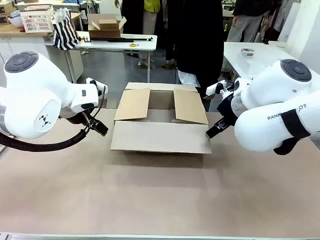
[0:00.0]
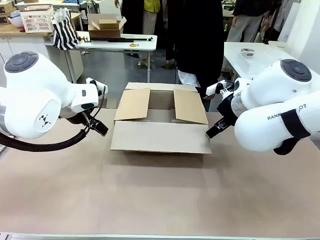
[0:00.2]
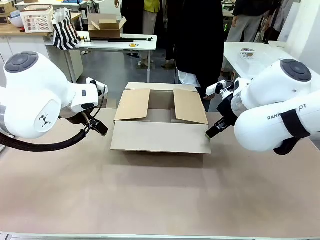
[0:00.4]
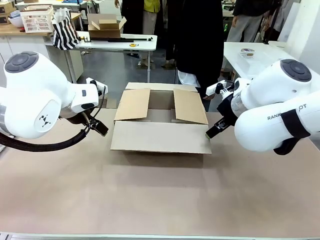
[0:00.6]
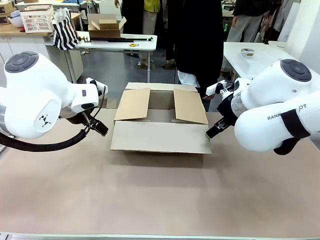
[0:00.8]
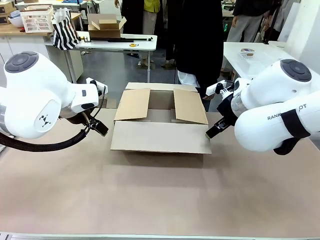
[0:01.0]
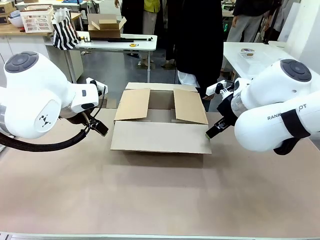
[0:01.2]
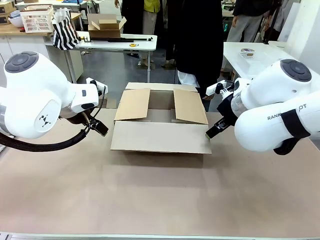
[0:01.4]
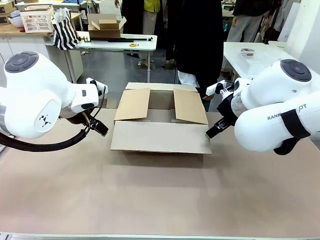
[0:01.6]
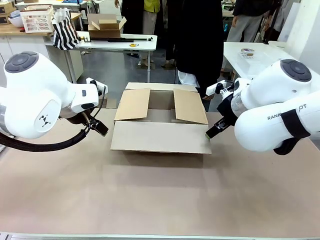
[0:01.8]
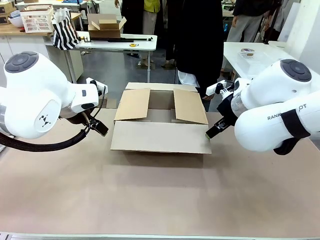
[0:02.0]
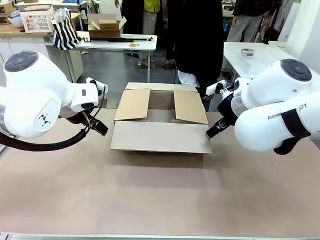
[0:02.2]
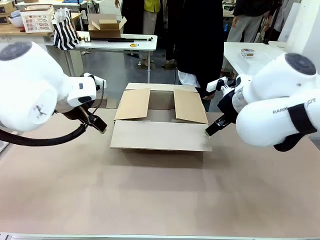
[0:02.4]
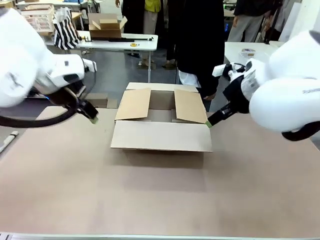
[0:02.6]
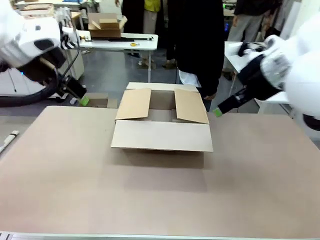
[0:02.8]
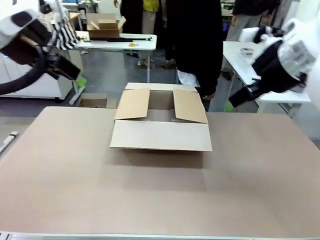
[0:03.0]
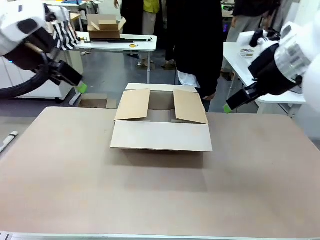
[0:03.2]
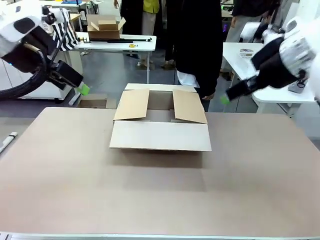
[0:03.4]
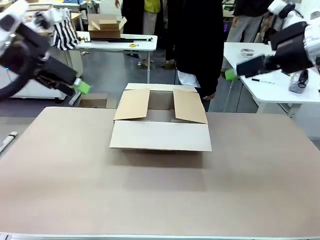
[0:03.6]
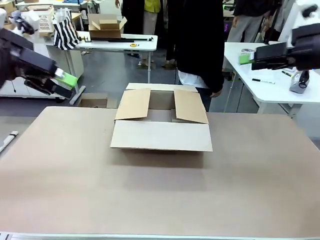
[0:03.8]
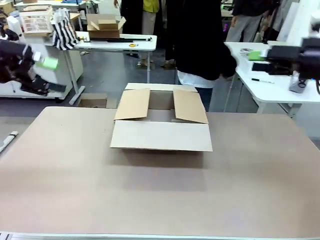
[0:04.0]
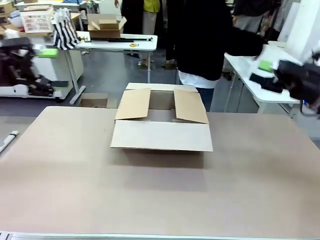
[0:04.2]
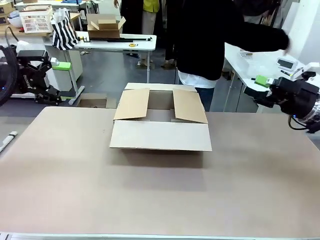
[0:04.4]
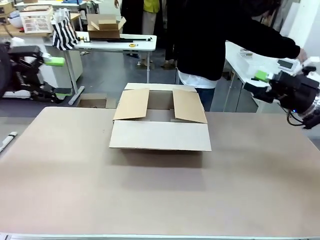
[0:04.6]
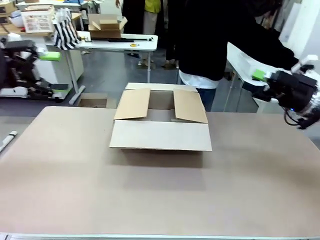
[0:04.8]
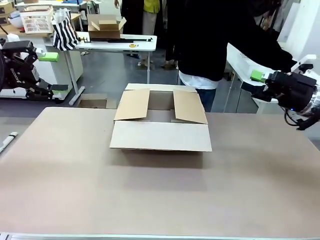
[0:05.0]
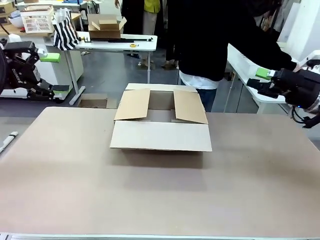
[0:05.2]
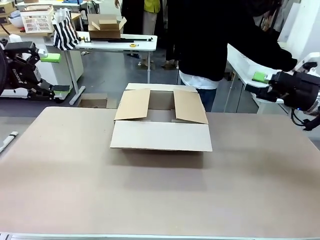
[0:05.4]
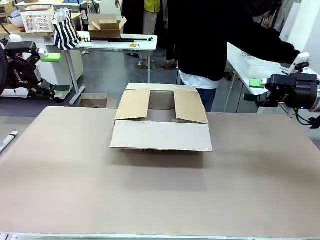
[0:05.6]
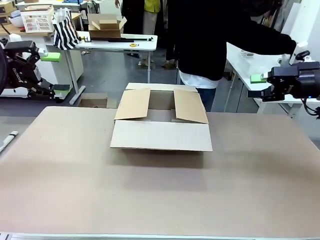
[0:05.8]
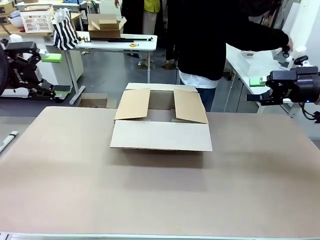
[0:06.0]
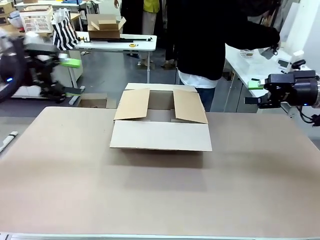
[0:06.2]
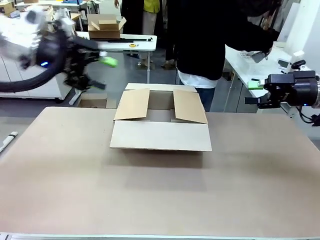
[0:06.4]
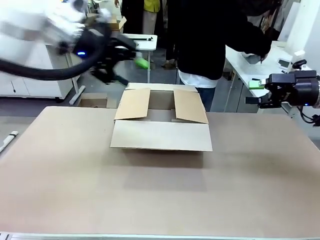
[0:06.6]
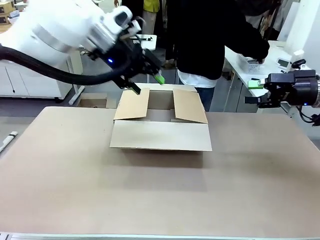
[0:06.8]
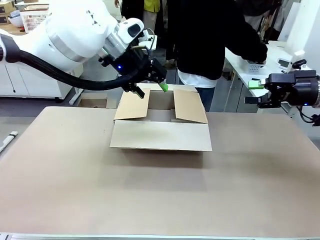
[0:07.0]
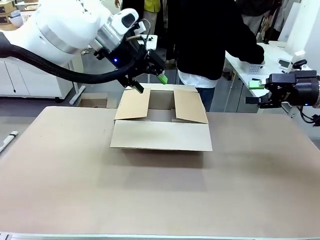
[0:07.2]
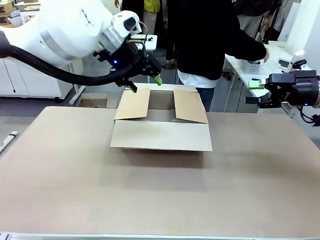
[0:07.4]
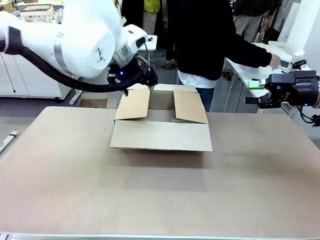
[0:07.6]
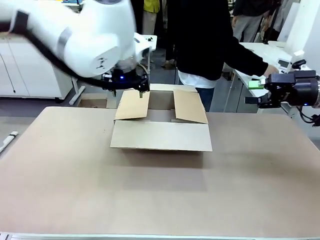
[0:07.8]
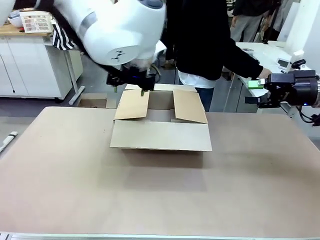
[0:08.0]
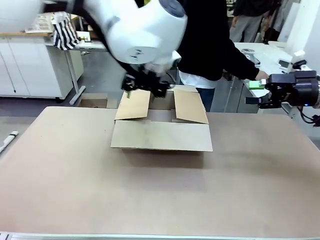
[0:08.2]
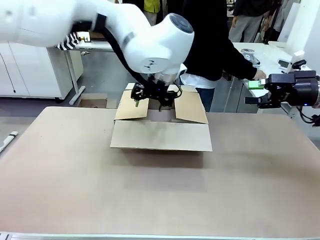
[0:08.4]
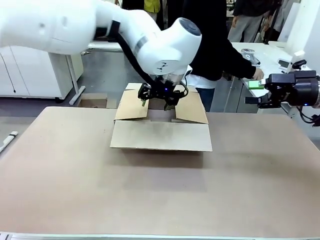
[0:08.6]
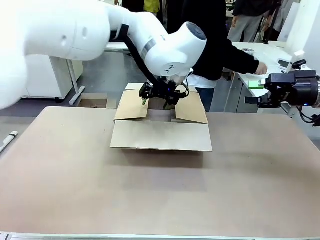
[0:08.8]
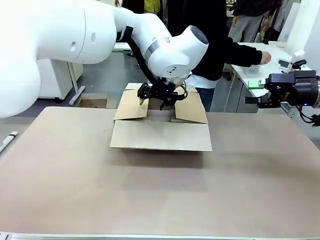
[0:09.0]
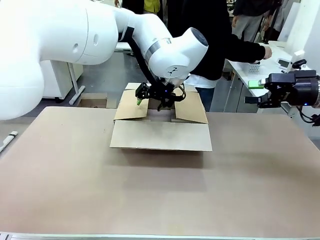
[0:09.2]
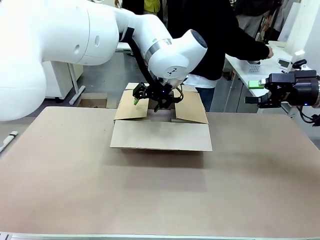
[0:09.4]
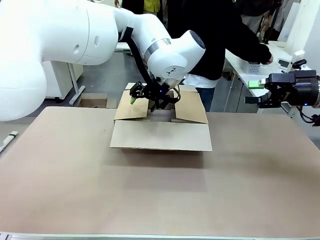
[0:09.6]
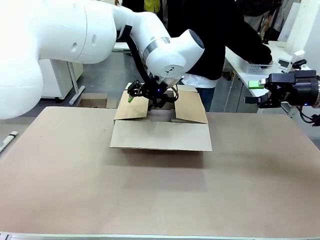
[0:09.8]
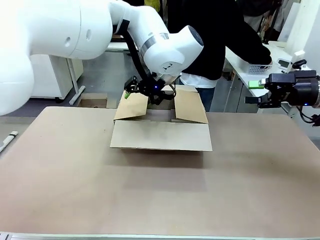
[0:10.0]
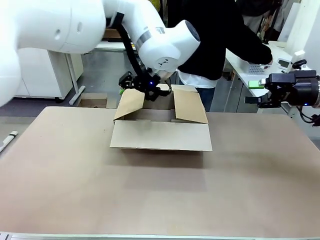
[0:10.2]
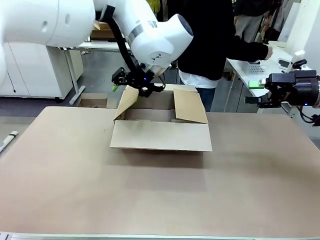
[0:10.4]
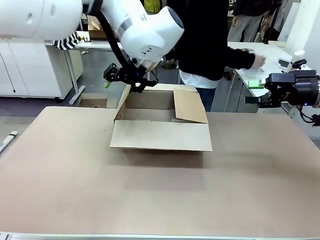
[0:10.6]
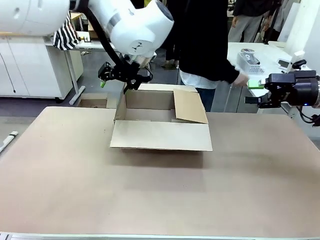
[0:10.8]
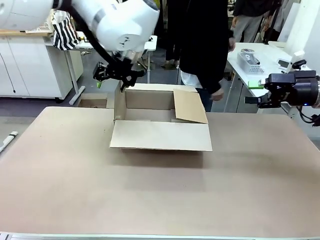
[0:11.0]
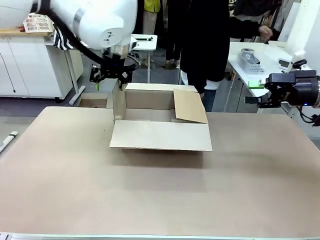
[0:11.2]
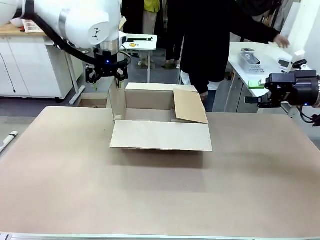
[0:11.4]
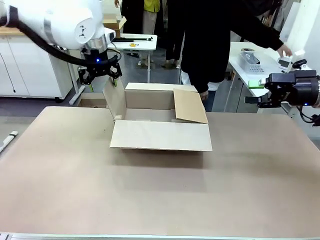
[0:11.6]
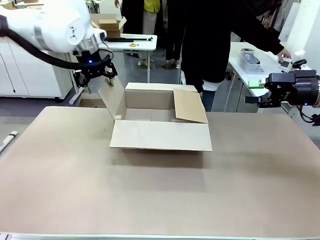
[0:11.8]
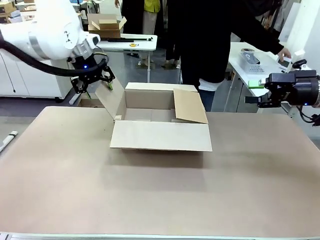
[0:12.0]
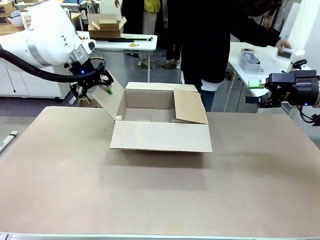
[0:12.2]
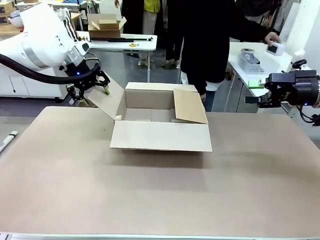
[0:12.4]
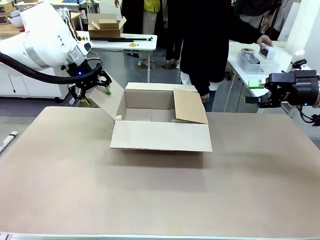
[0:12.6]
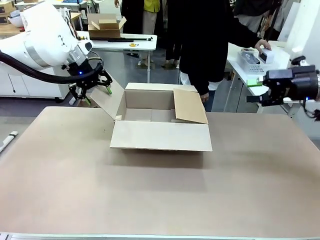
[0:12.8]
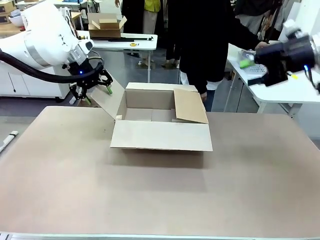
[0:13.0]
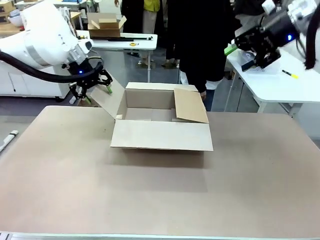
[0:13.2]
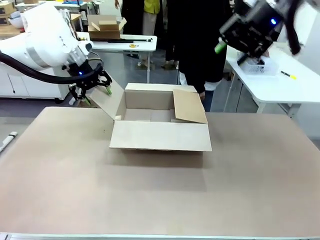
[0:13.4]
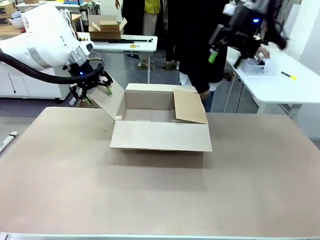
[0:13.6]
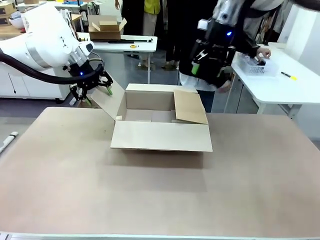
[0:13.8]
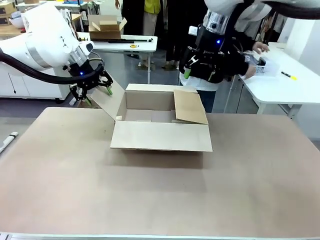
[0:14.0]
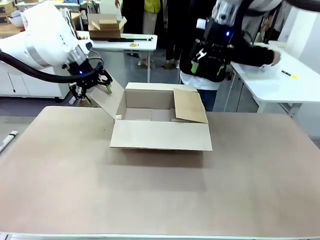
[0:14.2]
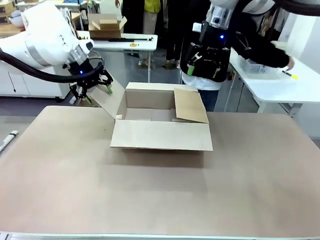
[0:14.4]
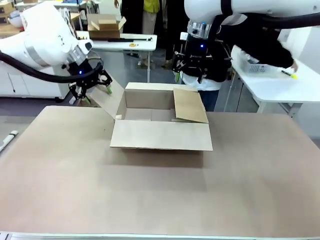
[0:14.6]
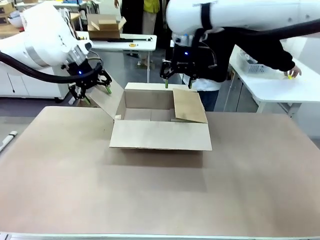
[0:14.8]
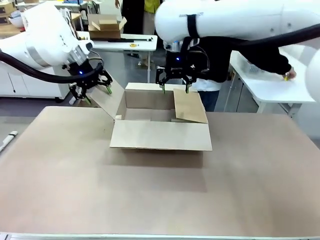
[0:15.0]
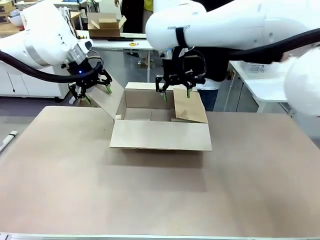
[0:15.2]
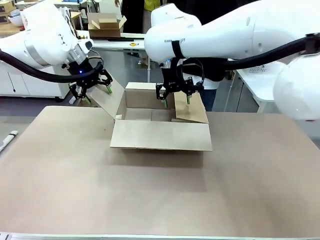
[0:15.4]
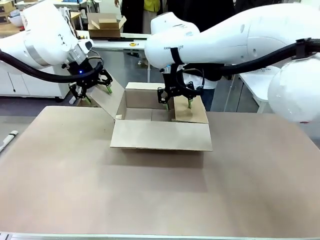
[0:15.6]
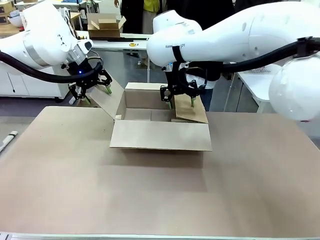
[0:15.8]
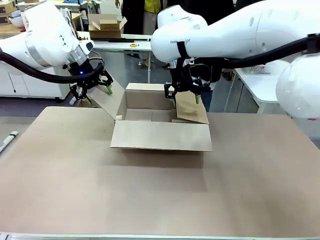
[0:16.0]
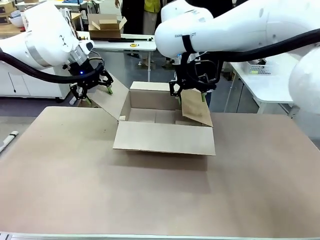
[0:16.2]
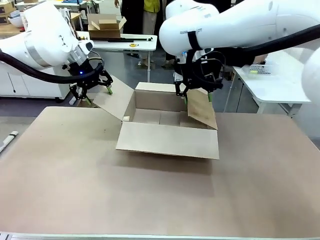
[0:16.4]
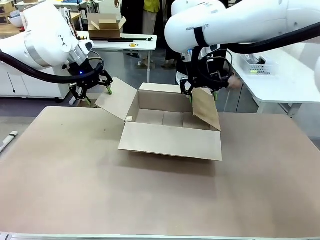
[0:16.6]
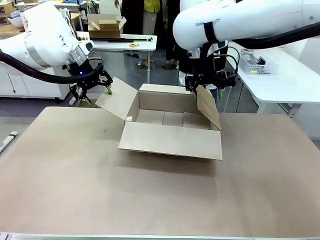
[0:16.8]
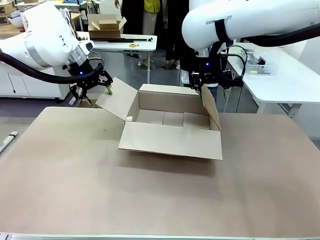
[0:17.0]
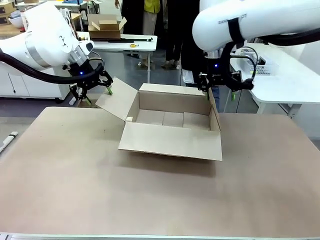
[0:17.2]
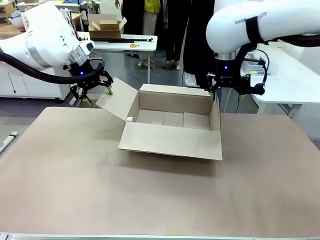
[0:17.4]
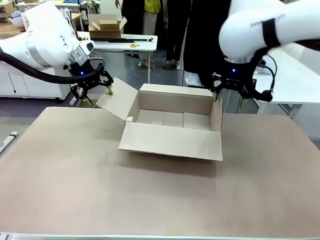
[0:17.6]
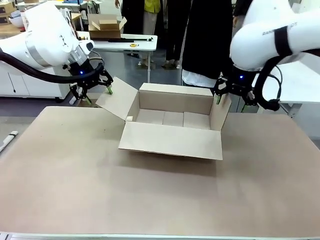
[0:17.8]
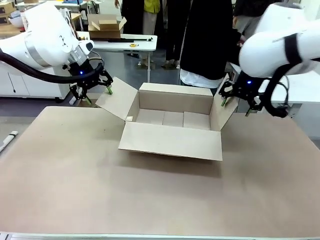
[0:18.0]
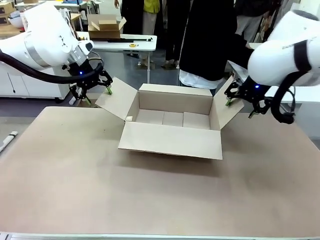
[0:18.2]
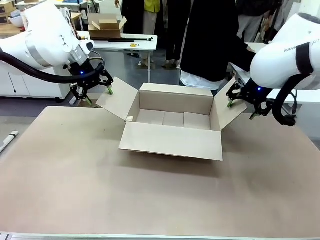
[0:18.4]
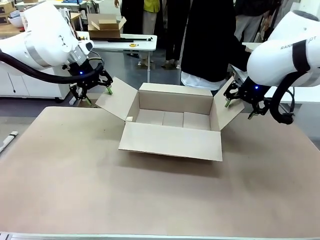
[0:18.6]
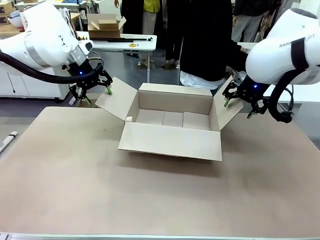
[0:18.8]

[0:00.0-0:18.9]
Task: Pack the gift set into the box.
Robot: Place both hands on the side flaps of the Package Box and spread them outward.
Person: The human places all items except the paper tape into the organizing basket.

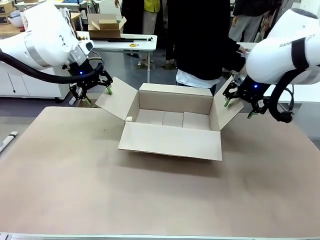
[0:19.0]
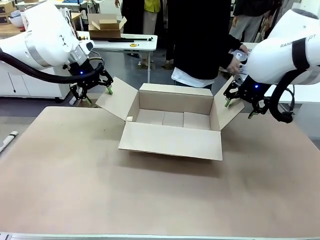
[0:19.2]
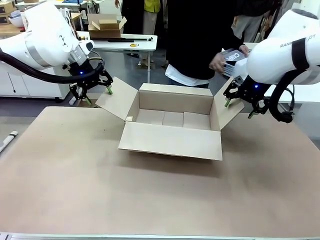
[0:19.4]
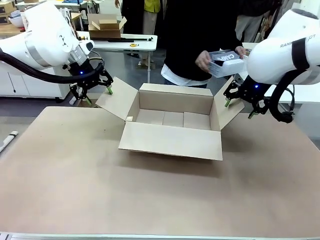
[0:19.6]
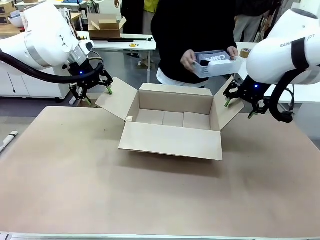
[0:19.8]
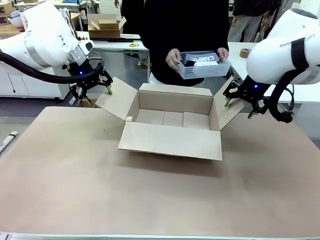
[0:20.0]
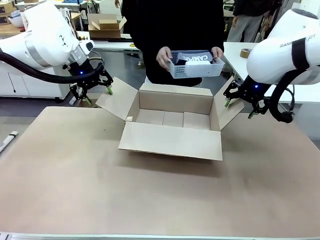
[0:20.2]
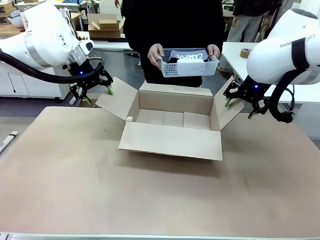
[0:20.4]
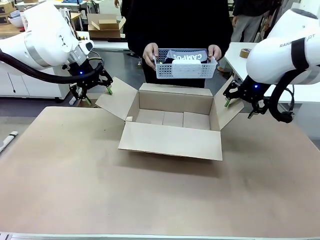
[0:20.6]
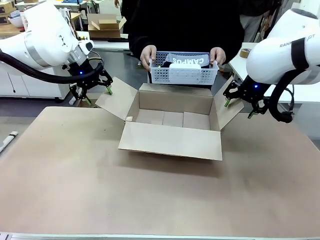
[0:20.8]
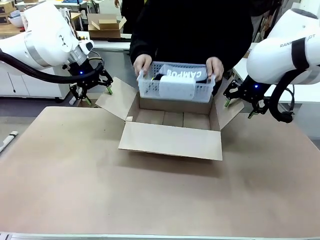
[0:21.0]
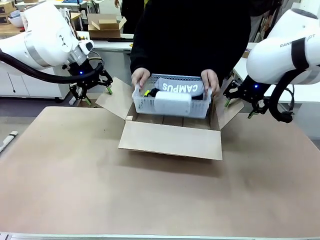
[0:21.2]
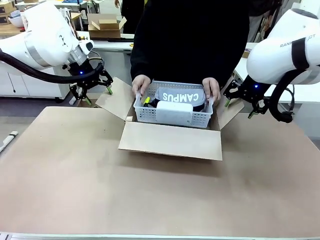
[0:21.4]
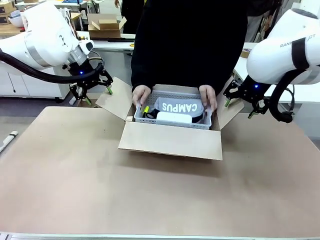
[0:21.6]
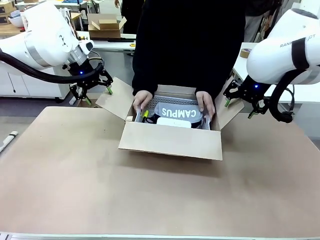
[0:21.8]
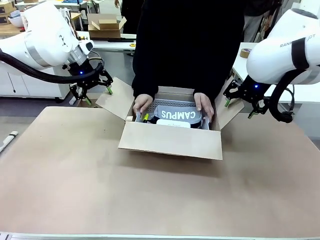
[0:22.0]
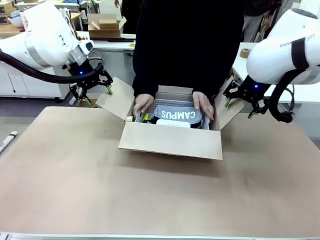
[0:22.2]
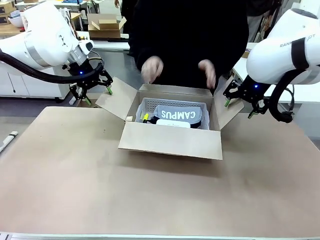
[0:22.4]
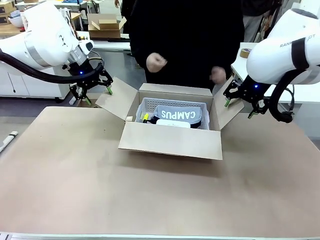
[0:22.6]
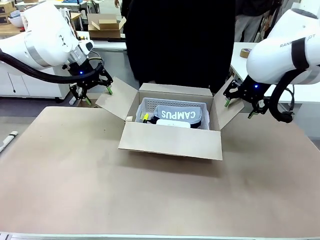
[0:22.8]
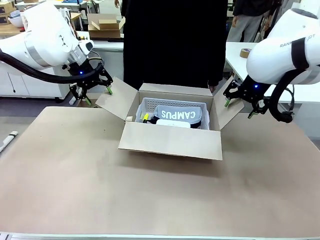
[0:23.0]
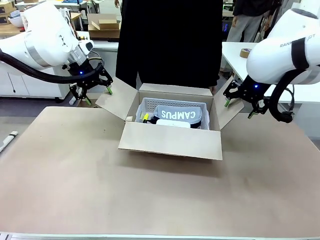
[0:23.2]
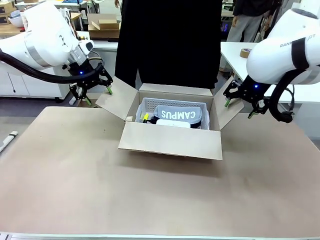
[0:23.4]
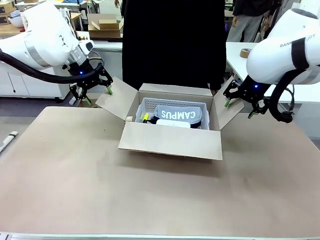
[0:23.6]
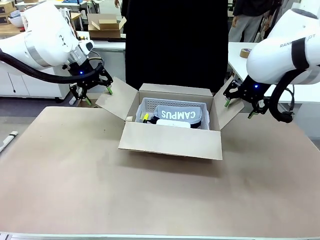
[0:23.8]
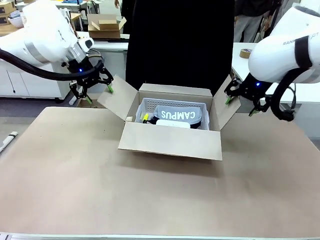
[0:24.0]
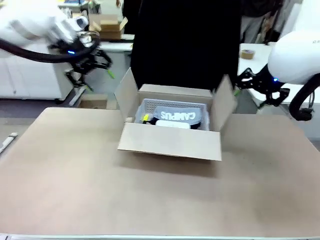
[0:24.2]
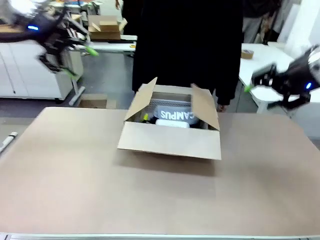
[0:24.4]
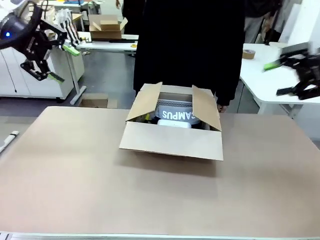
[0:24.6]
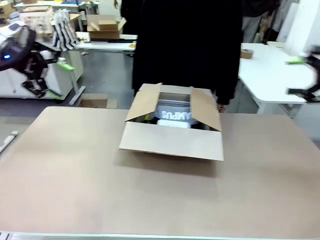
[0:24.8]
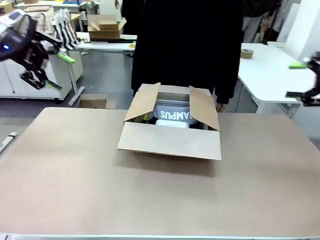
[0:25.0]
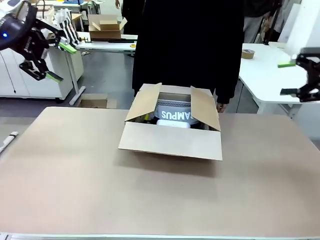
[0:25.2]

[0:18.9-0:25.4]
Robot: Lift both hands away from the flaps of the Package Box.
Person: The human picks up the organizing basket and places the organizing basket into the package box on the robot table.
